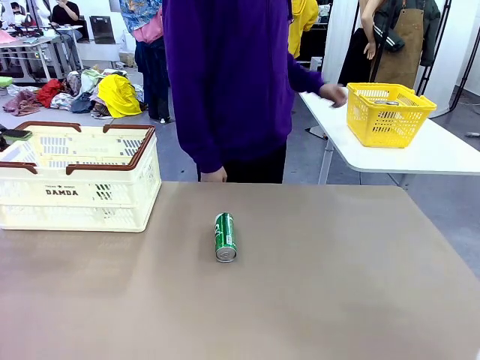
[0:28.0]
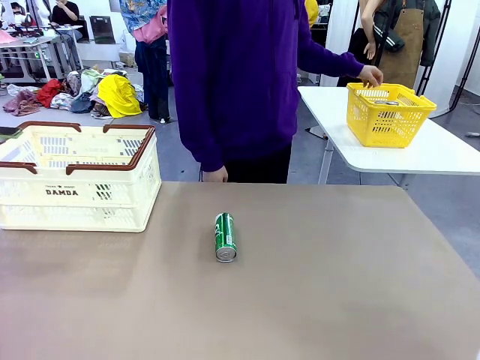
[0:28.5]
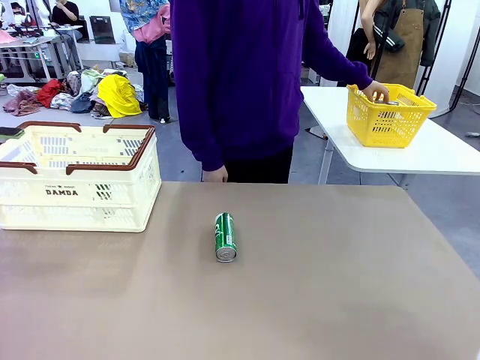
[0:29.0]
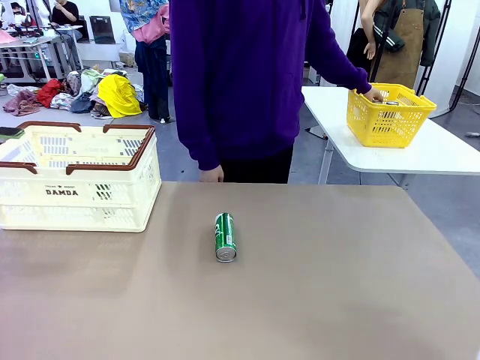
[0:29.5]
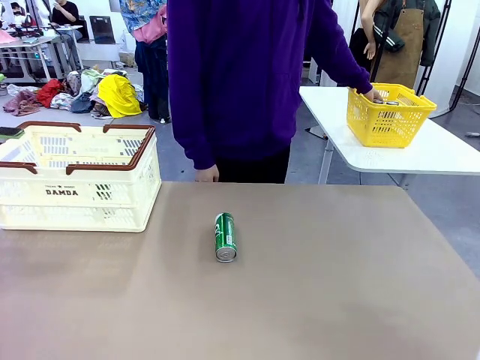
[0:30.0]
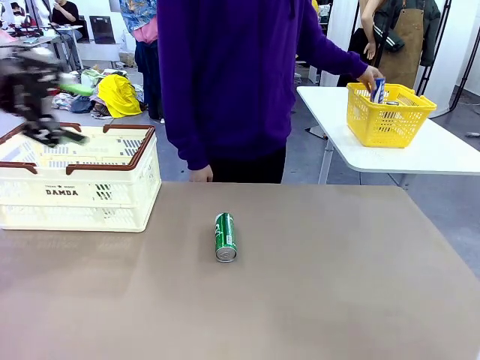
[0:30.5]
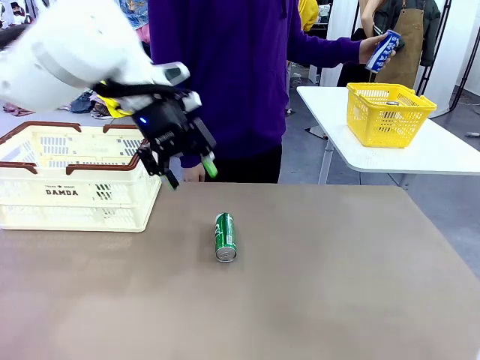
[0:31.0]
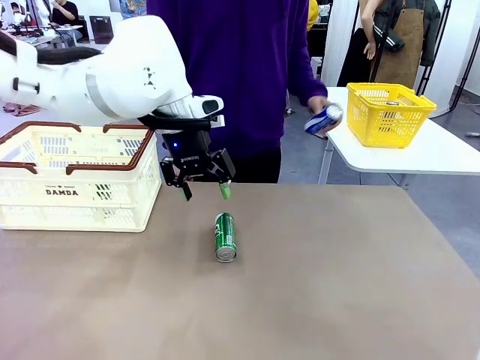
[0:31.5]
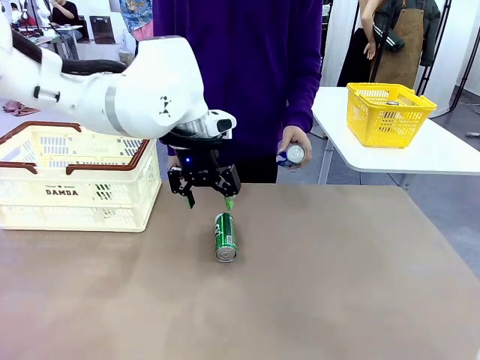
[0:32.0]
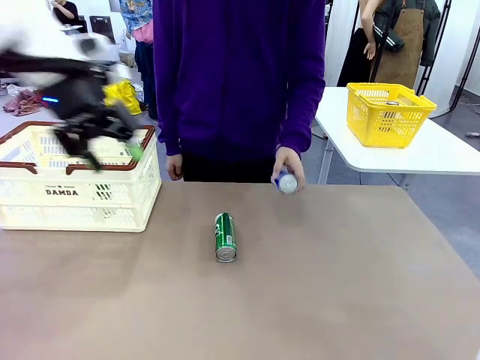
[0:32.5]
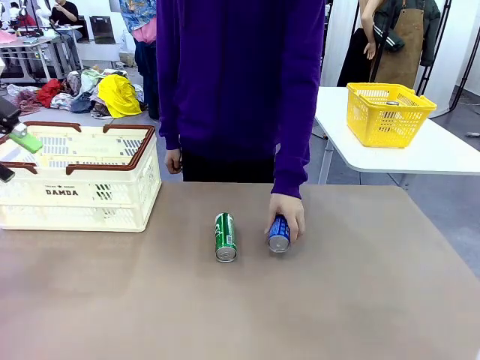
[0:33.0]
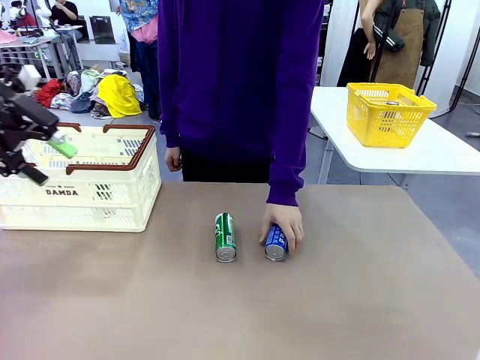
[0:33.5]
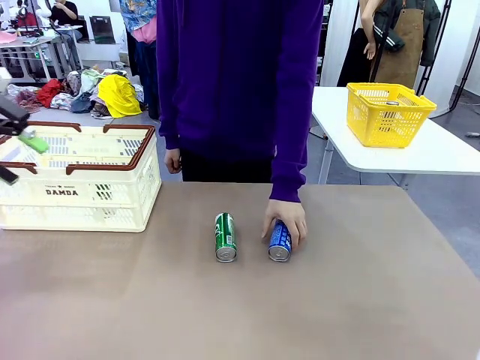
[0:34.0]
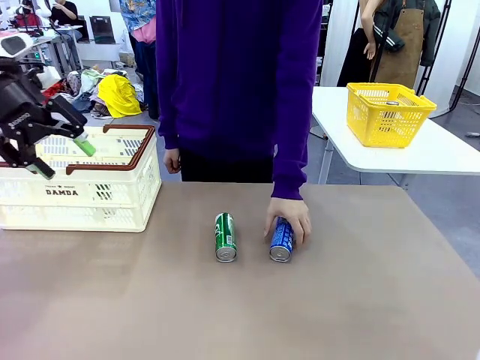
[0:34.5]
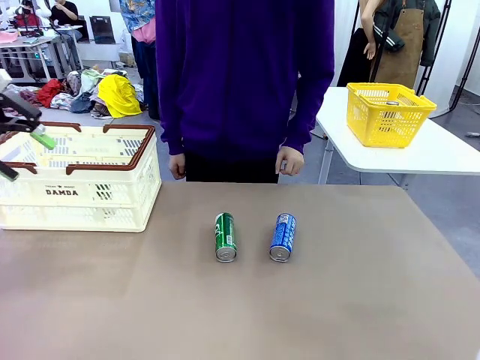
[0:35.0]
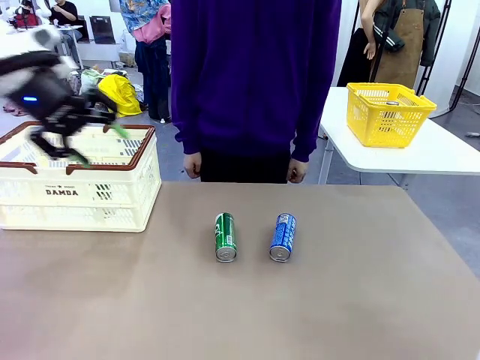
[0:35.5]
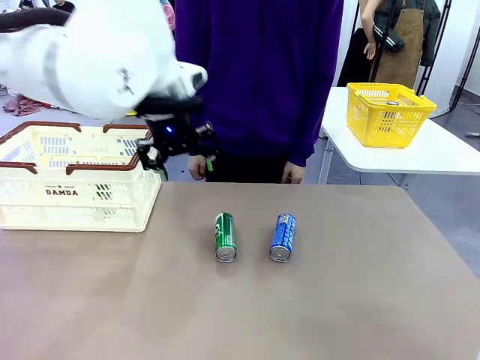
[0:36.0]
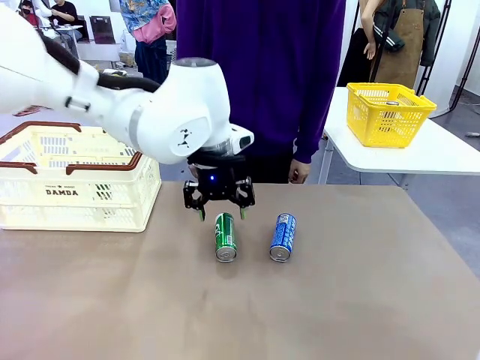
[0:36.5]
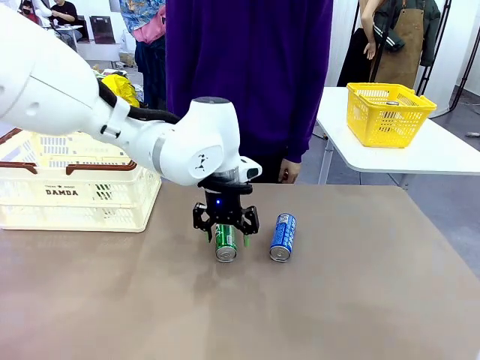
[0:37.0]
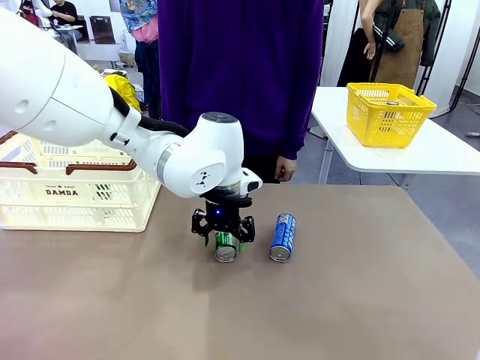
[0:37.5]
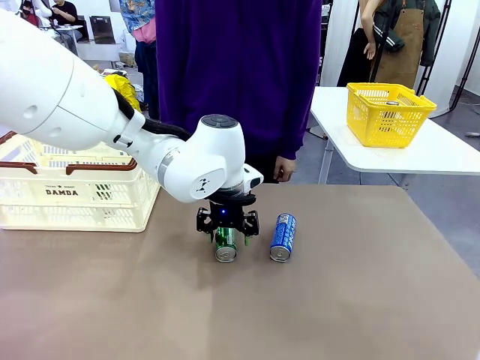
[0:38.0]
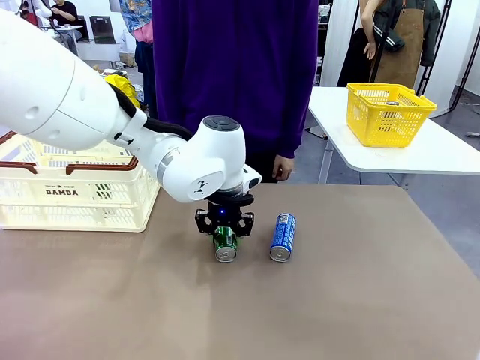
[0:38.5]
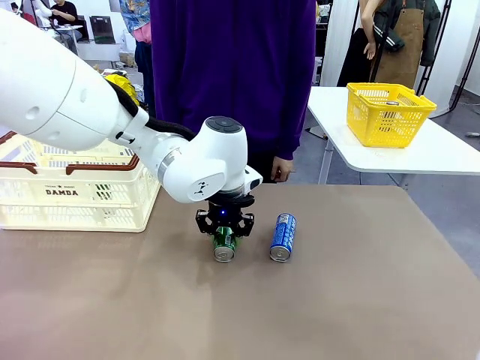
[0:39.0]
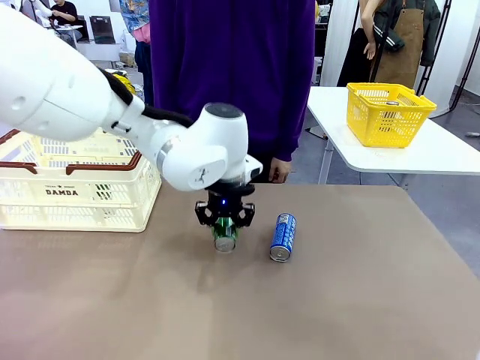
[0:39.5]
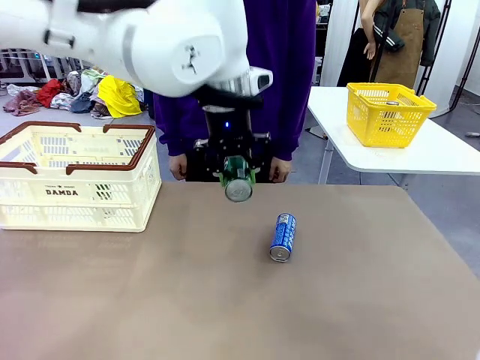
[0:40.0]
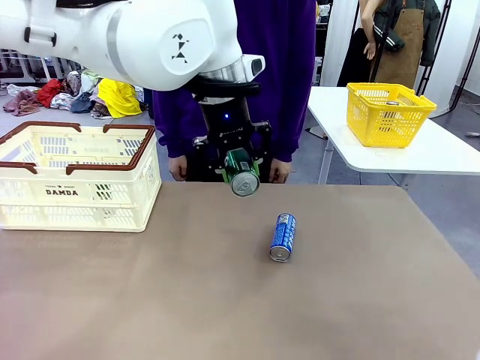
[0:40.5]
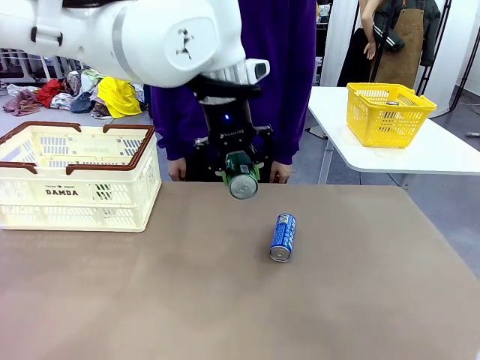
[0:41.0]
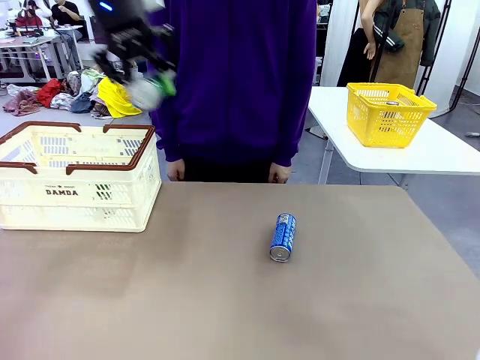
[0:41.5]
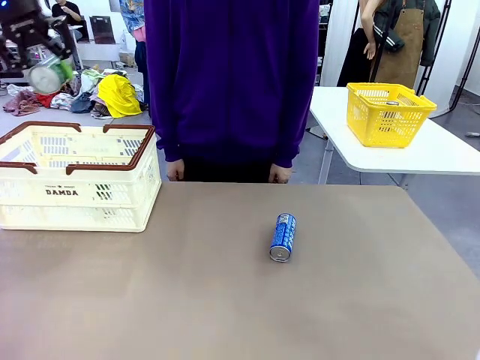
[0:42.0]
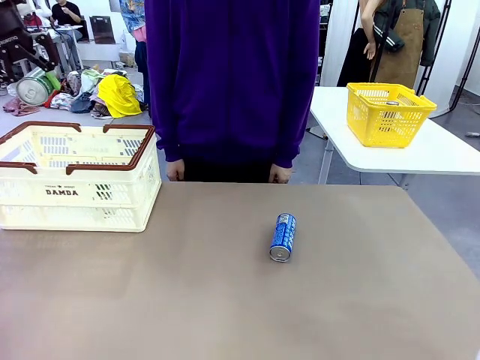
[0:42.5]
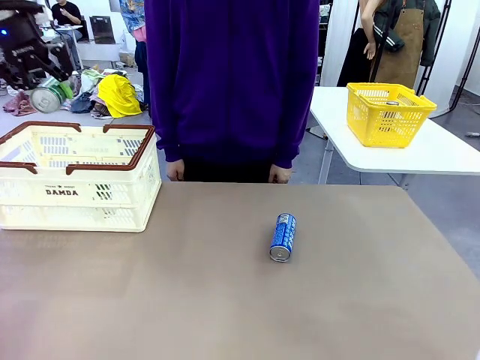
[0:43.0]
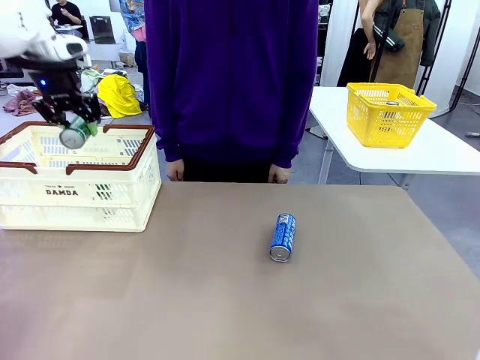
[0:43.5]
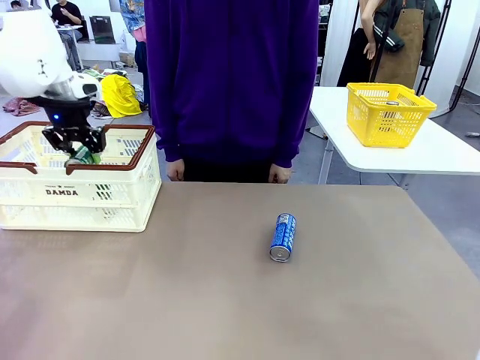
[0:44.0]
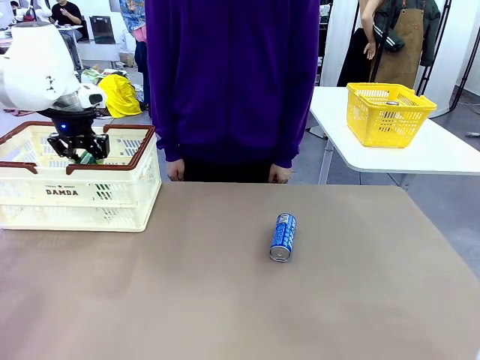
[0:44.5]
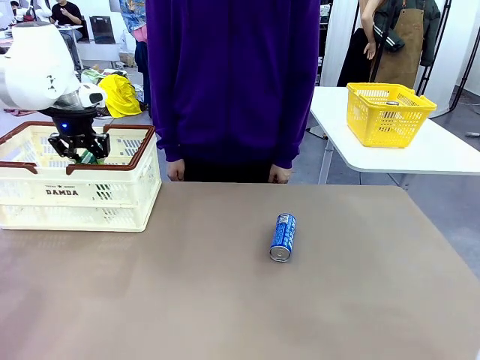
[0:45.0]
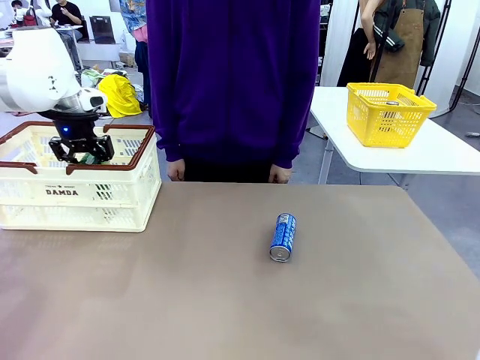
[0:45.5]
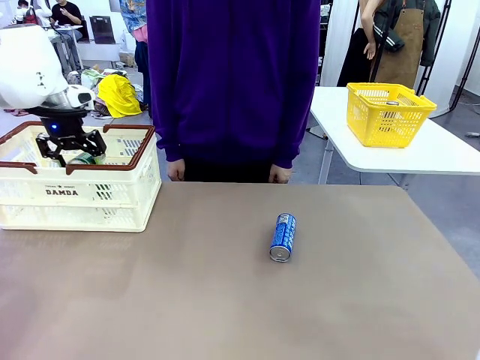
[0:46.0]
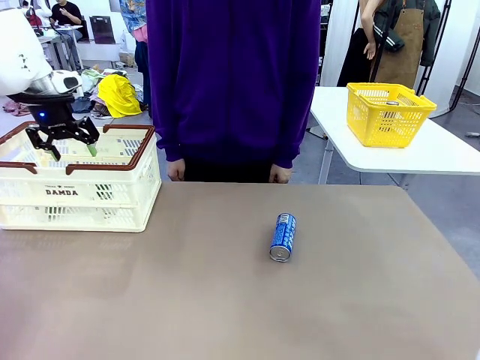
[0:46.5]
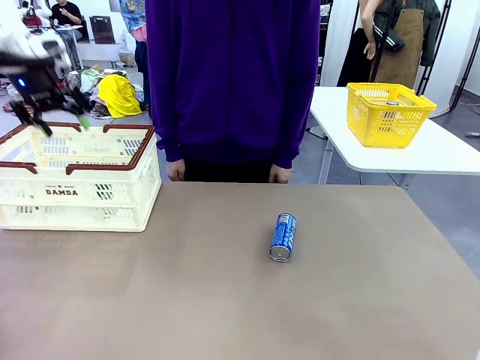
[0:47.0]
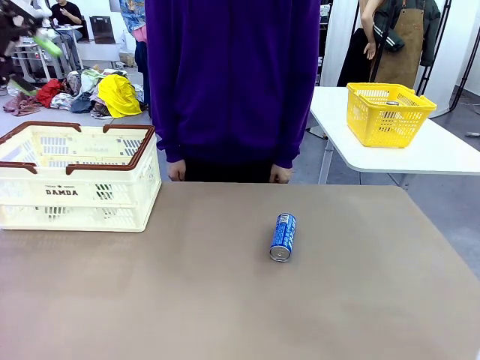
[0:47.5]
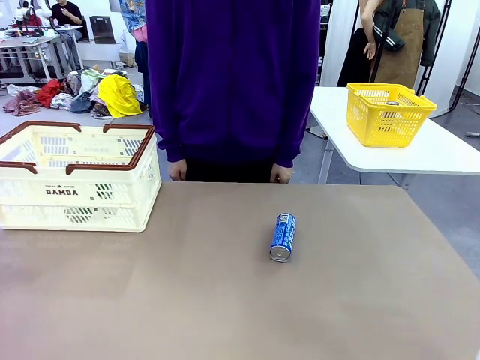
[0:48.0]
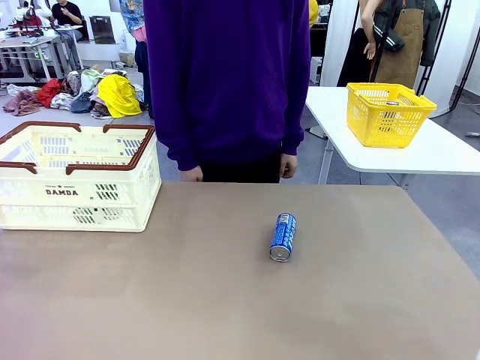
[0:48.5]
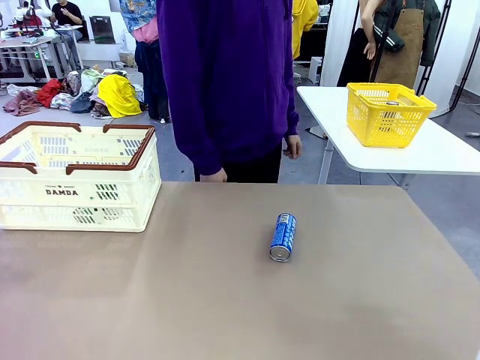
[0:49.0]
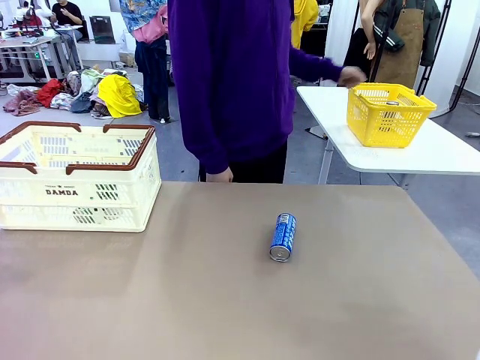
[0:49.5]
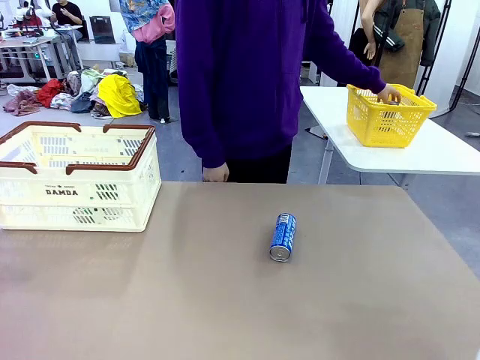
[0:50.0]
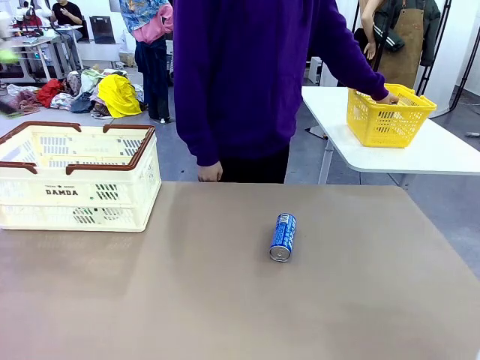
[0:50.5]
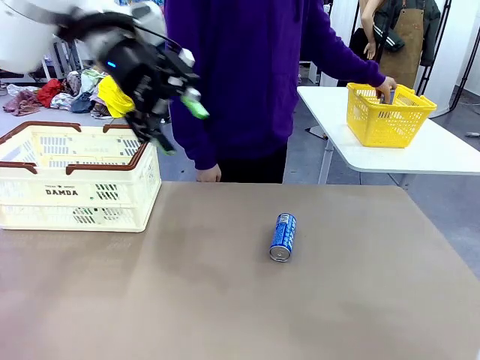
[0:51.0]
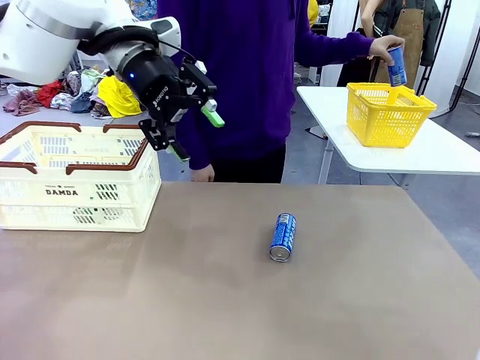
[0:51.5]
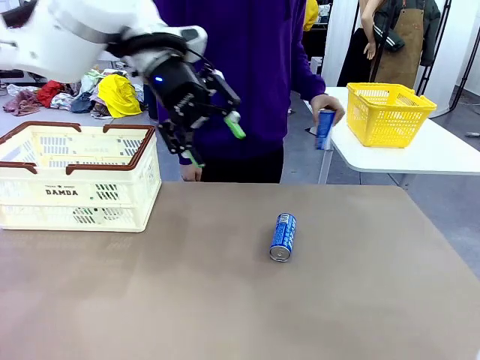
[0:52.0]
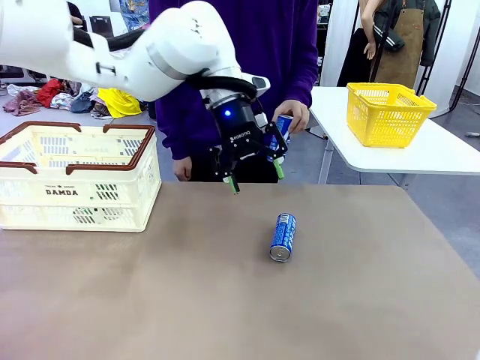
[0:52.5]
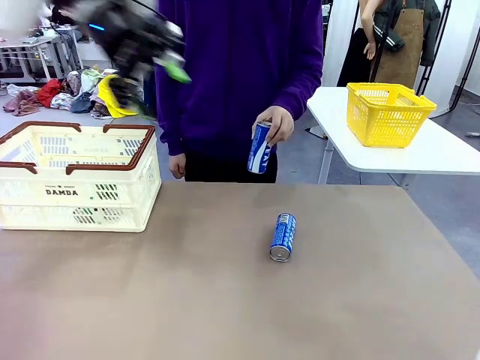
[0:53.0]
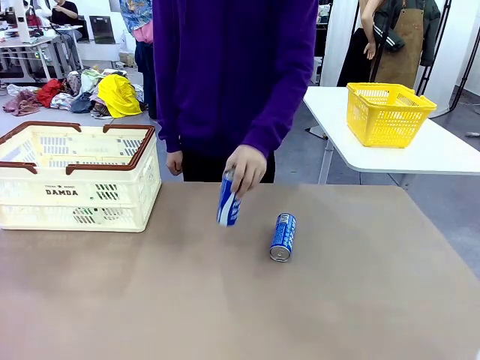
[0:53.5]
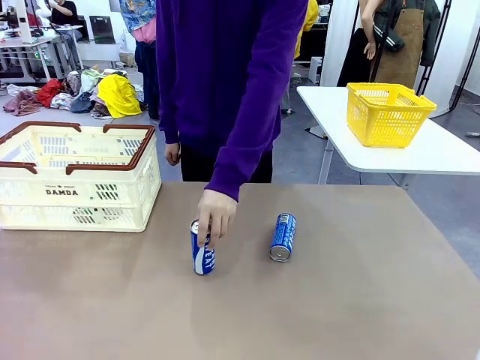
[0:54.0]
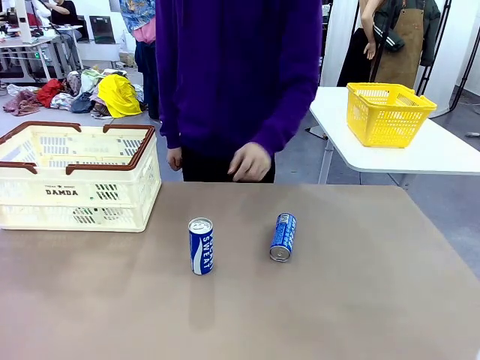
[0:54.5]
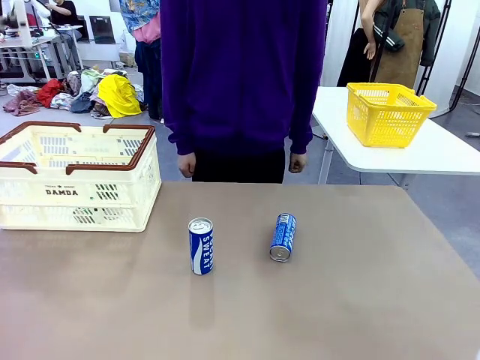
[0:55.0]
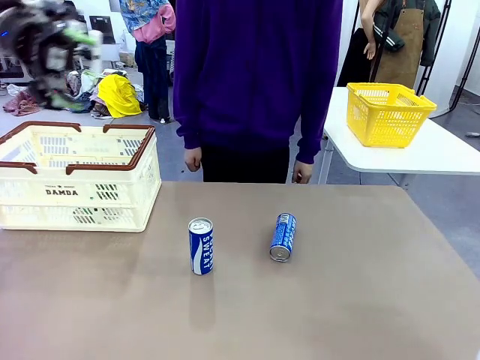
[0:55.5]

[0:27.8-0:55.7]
Task: Place the drinks into the Shopping basket.
Robot: Pick up one drink and place it into the Shopping basket.
